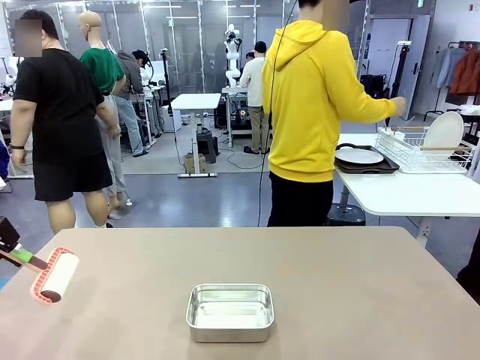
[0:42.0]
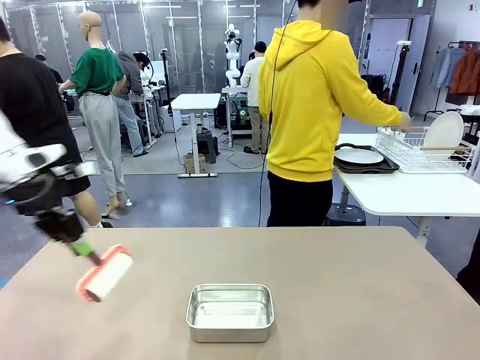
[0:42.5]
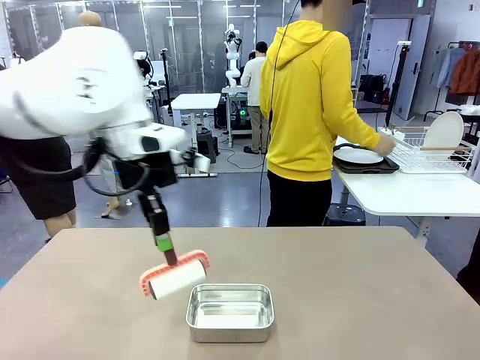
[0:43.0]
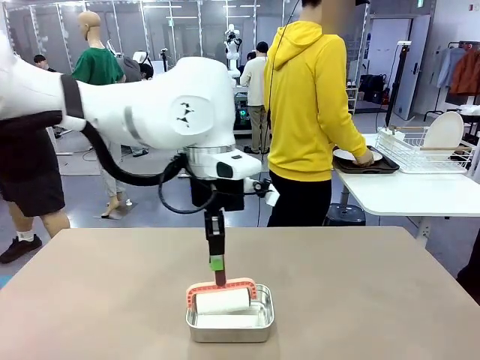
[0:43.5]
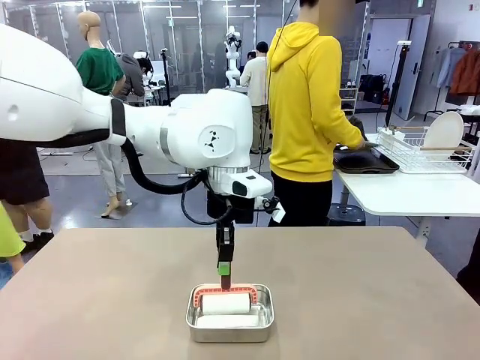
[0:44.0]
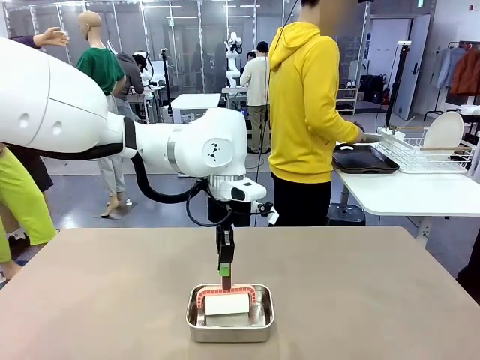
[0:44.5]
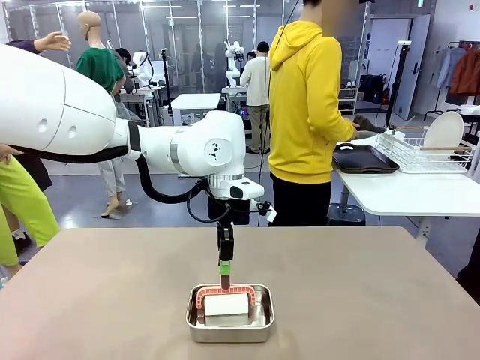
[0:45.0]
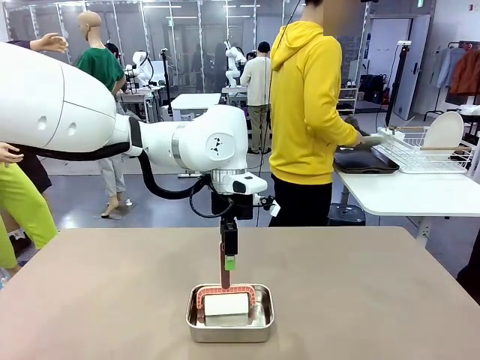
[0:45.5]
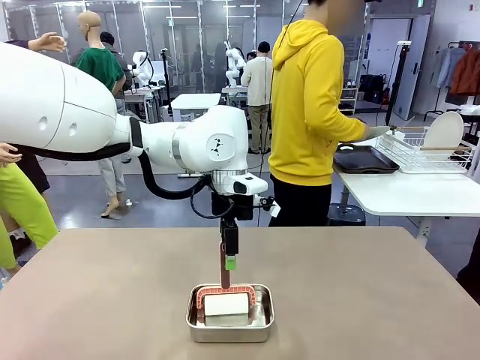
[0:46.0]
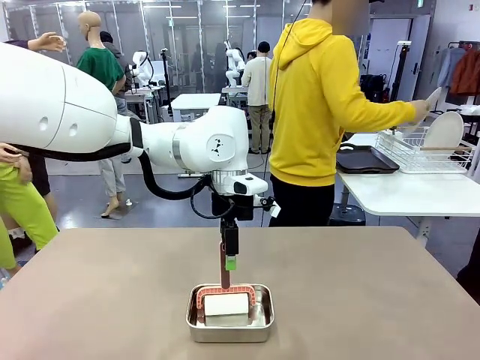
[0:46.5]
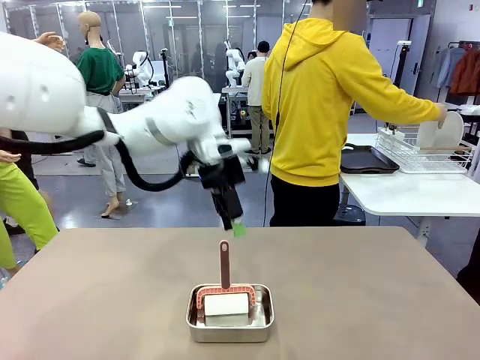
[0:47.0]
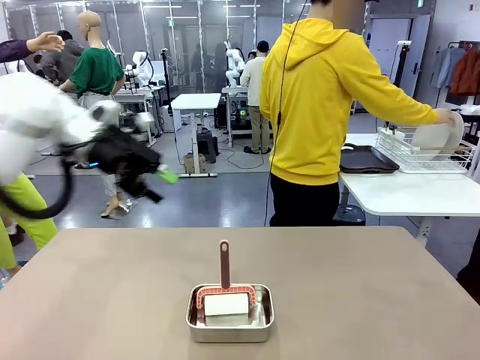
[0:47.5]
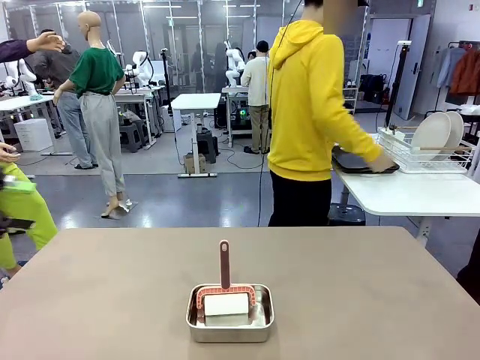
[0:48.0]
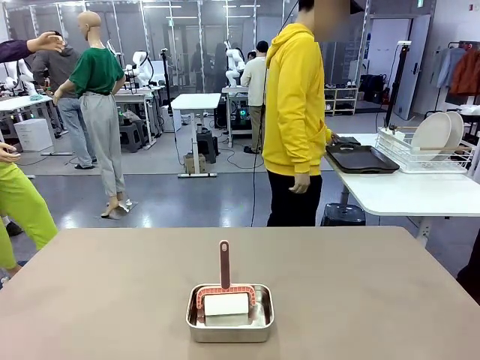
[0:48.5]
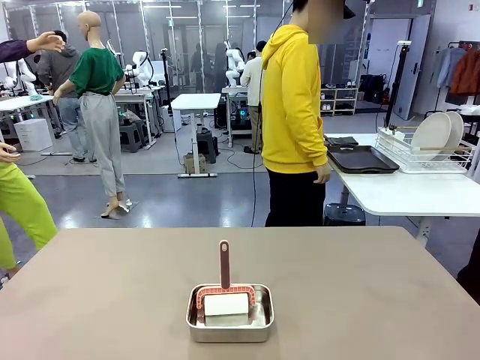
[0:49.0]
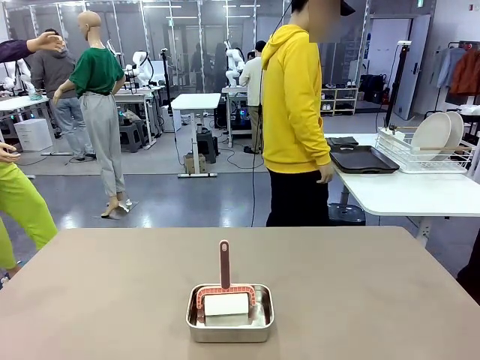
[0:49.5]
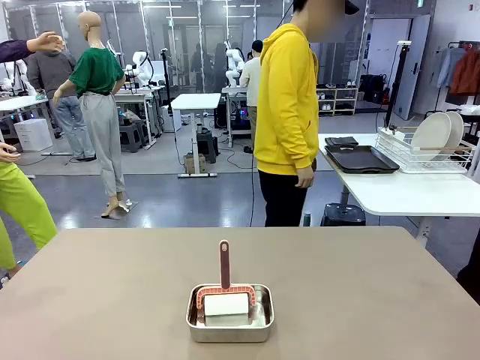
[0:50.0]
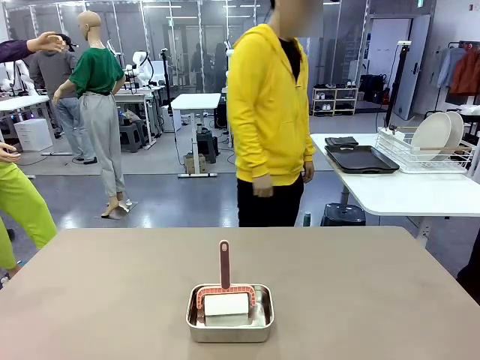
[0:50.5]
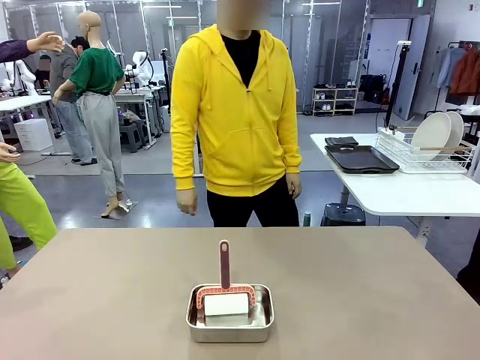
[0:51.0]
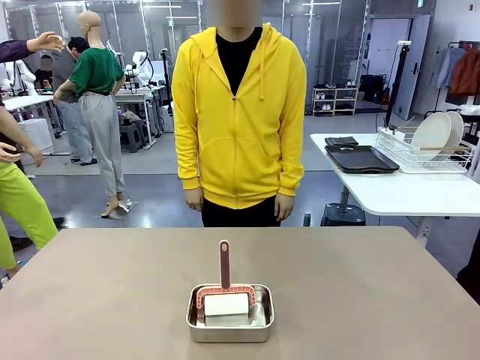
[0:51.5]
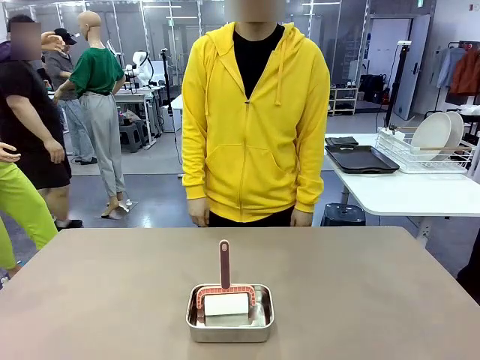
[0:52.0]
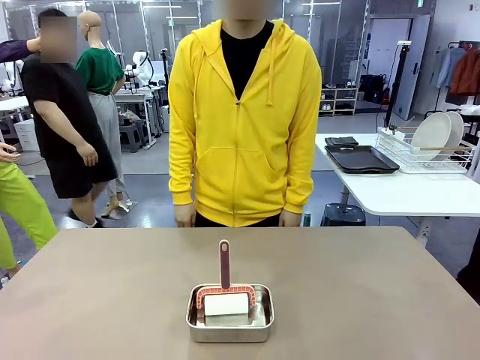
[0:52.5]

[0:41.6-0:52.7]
Robot: Place the Lint Roller back on top of the Airtight Container.
Person: Use the Towel with hook to wipe the Plastic Matte Plate , Fork , and Knife and place into the Dish drying rack.

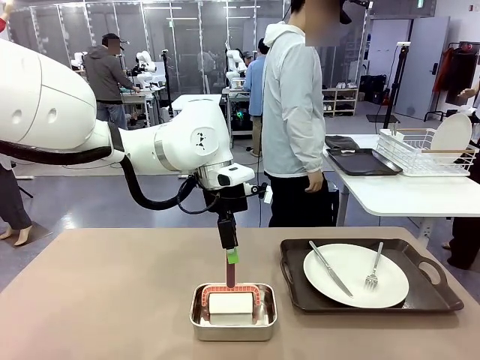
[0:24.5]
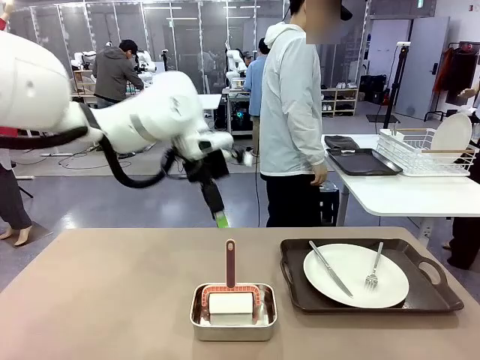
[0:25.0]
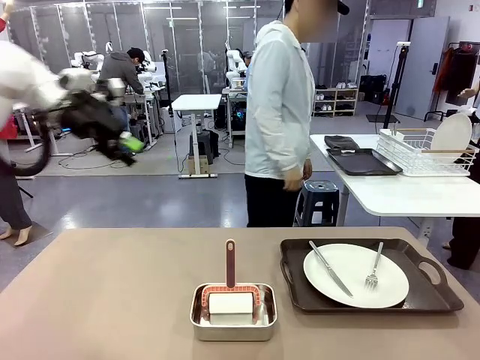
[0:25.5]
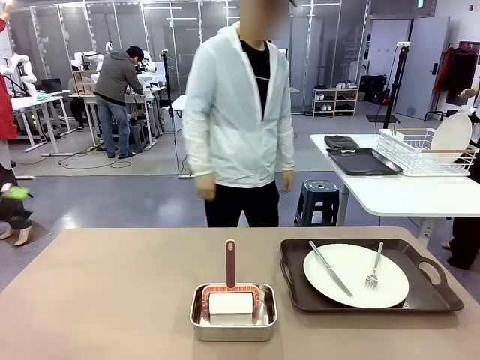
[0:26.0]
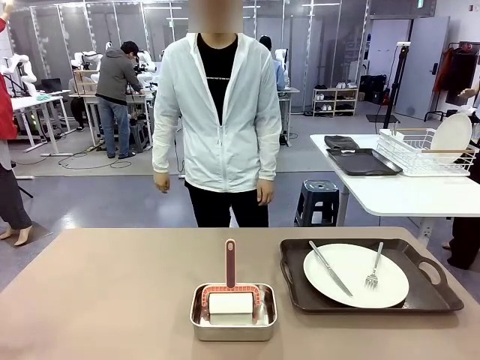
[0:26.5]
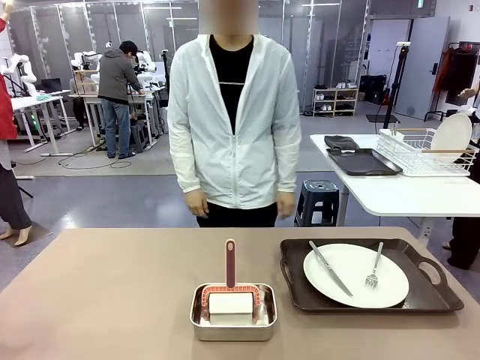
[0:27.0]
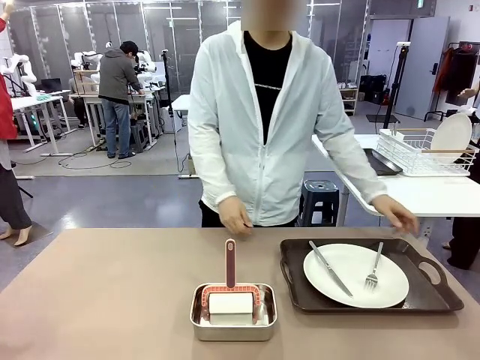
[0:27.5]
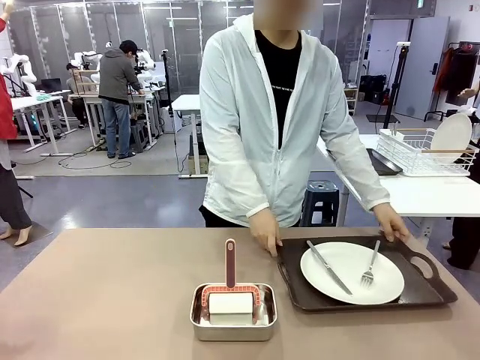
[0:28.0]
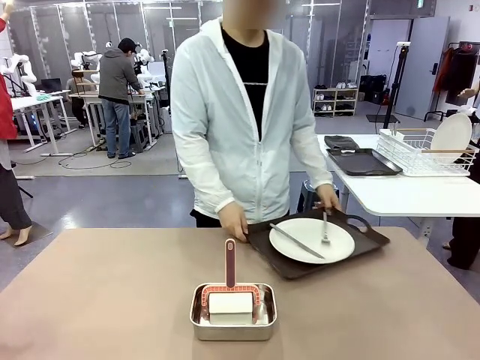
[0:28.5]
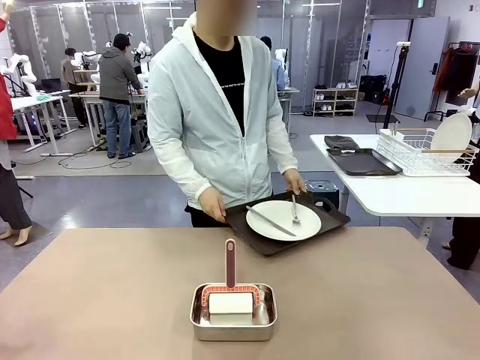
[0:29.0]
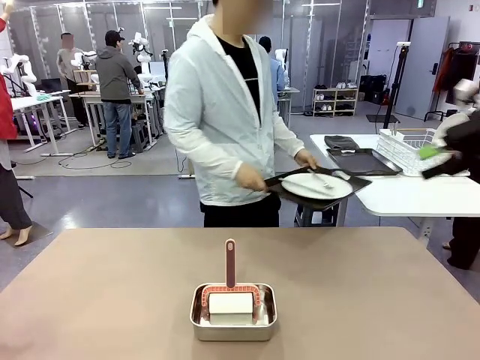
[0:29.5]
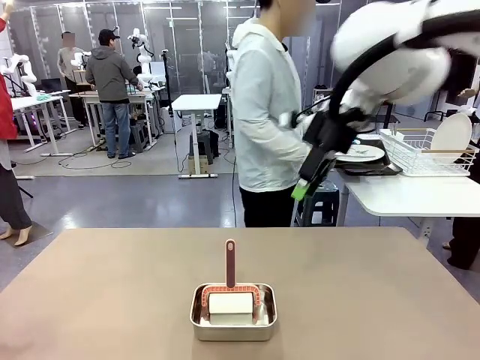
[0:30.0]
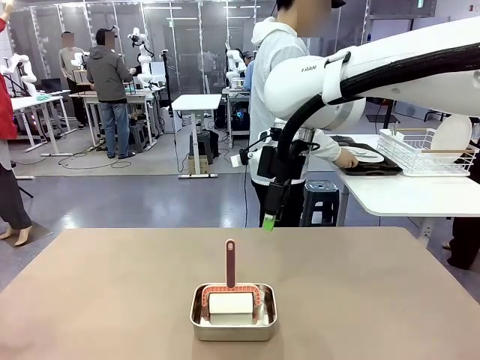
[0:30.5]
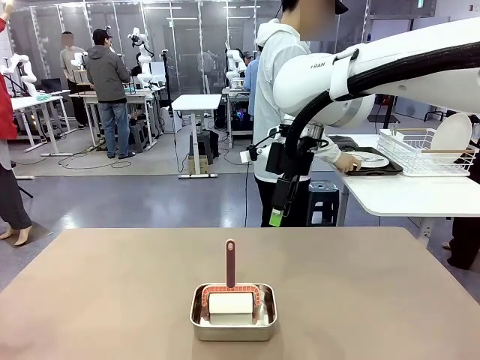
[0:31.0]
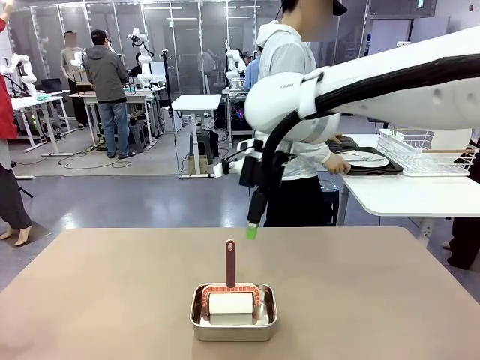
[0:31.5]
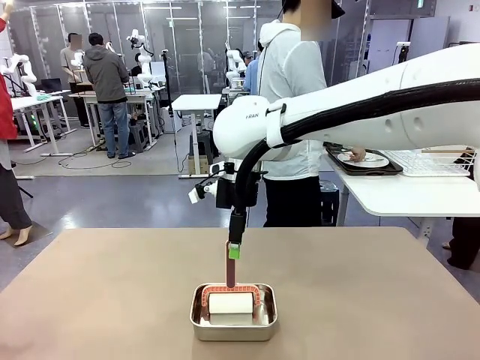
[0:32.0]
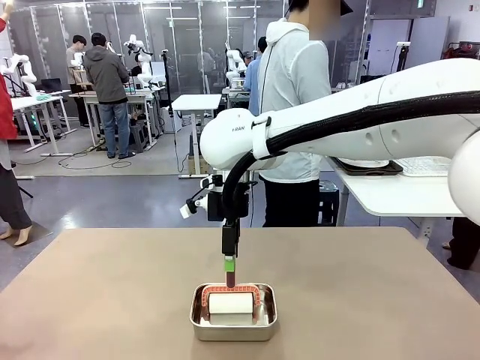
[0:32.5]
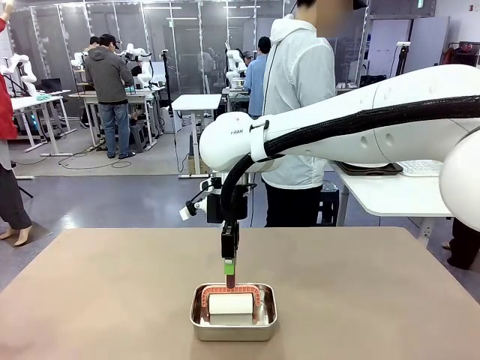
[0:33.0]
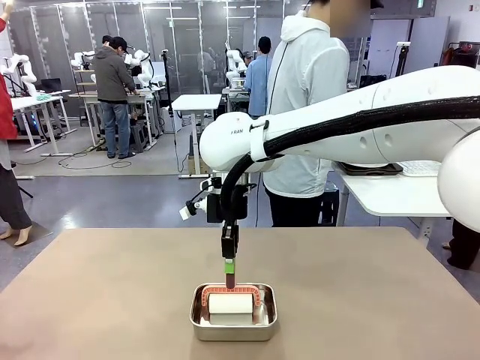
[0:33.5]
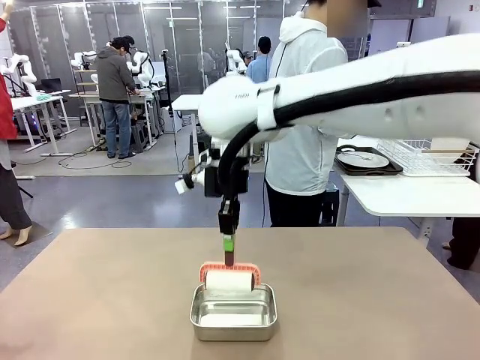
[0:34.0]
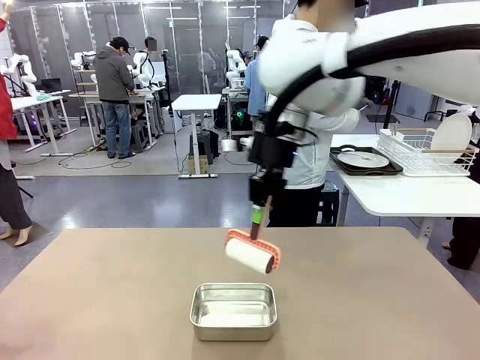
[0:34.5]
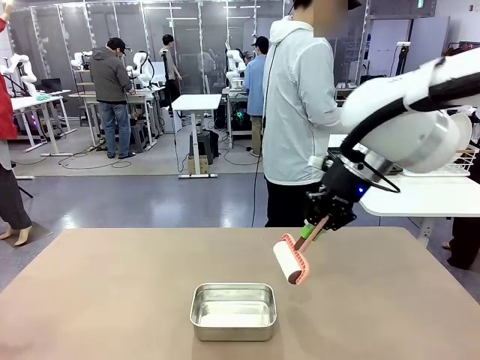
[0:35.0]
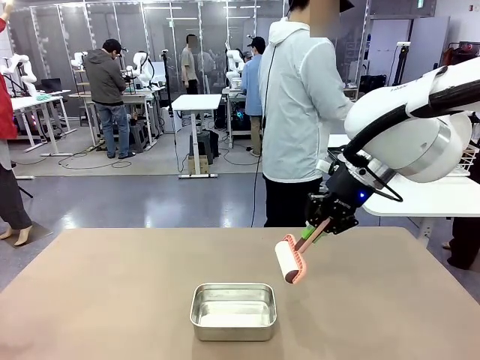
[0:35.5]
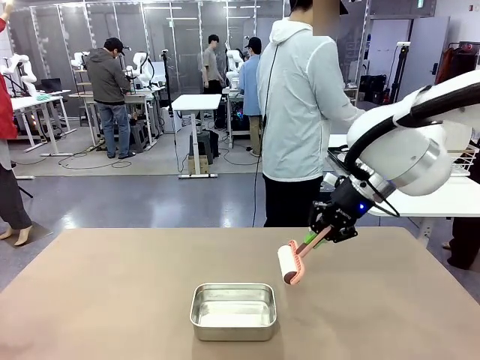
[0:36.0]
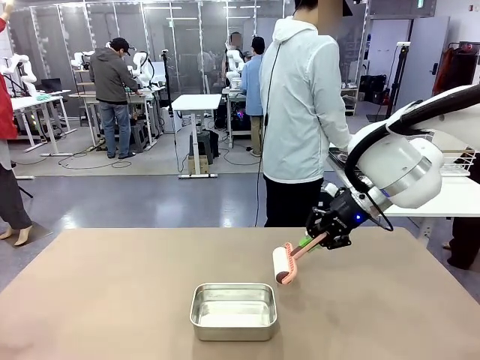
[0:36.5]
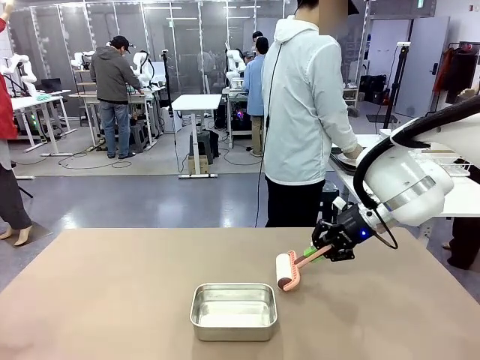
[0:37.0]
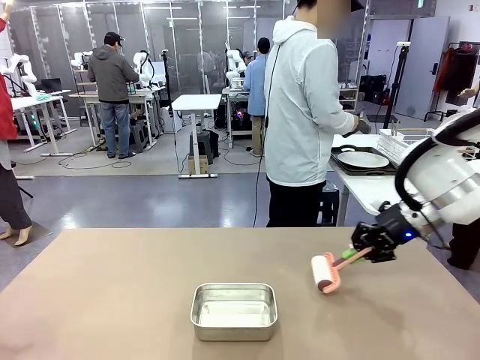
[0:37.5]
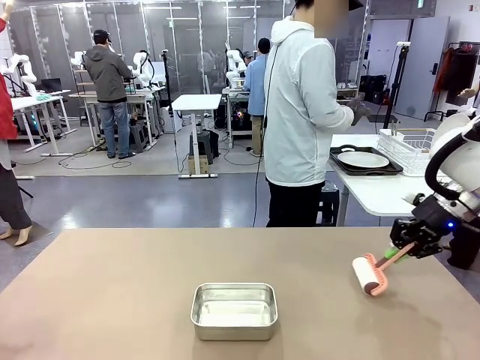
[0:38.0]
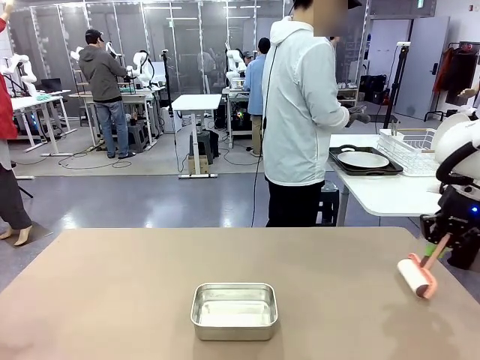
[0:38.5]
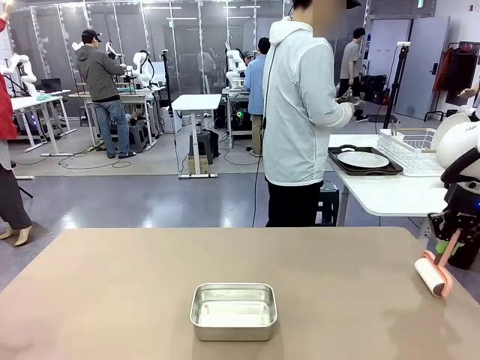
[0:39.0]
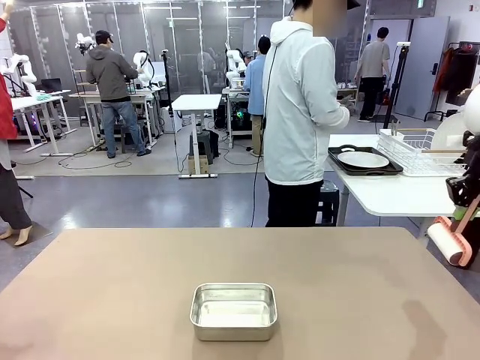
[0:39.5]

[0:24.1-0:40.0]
Robot: When the right (or left) Handle tray is removed, use the right hand (or left hand) to clean the right (or left) side of the table with the Lint Roller.
Person: Pick up the left (or right) Handle tray and place it on the Handle tray.
